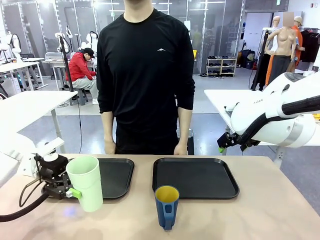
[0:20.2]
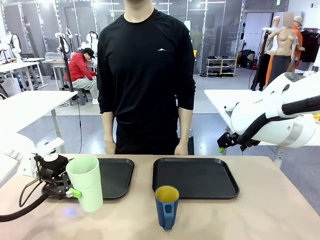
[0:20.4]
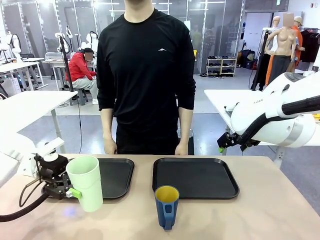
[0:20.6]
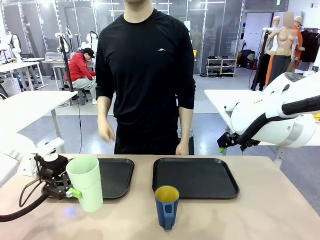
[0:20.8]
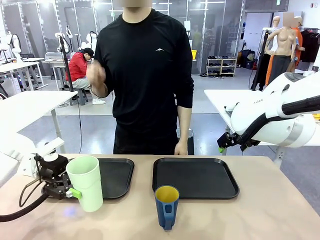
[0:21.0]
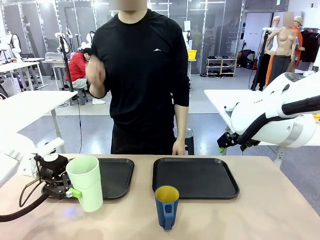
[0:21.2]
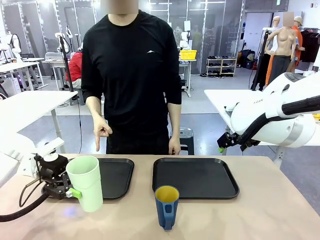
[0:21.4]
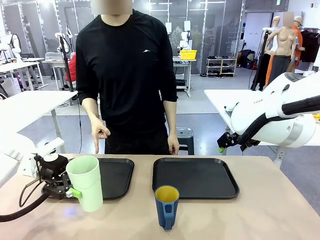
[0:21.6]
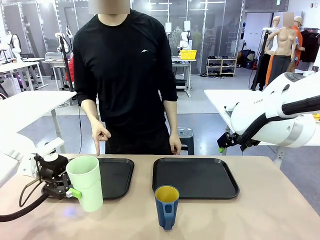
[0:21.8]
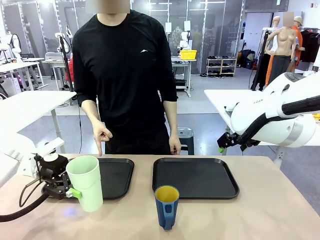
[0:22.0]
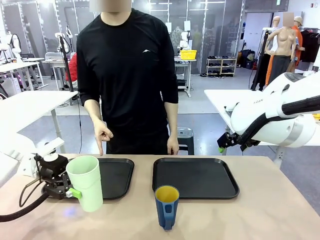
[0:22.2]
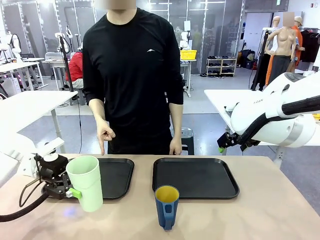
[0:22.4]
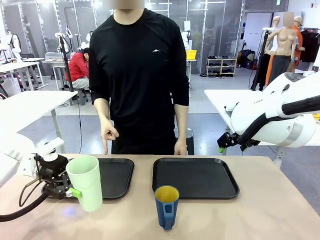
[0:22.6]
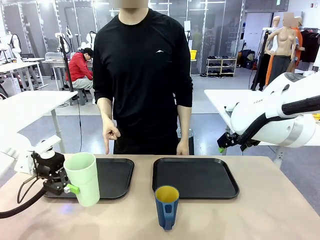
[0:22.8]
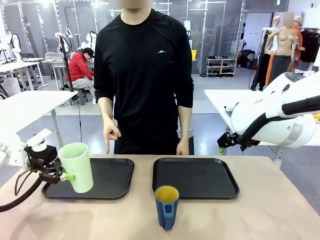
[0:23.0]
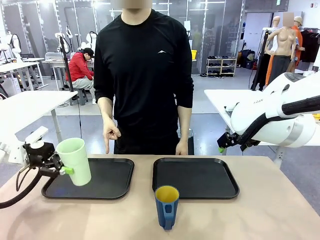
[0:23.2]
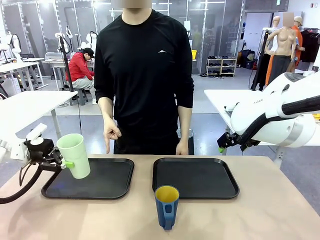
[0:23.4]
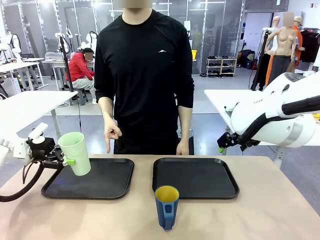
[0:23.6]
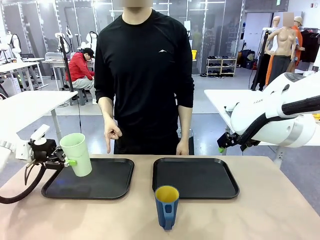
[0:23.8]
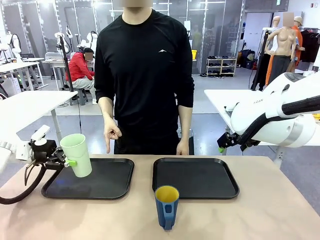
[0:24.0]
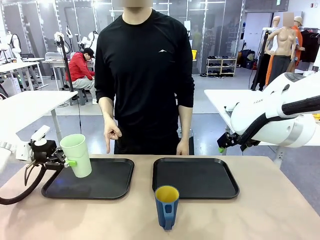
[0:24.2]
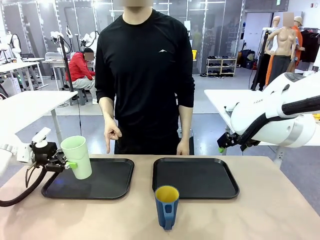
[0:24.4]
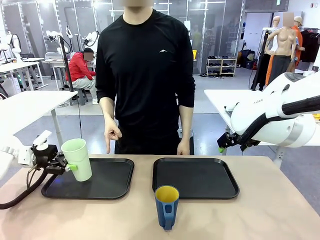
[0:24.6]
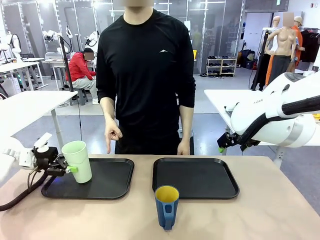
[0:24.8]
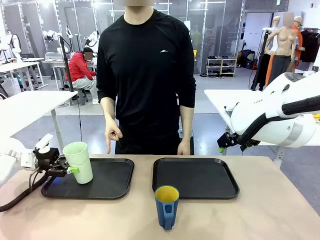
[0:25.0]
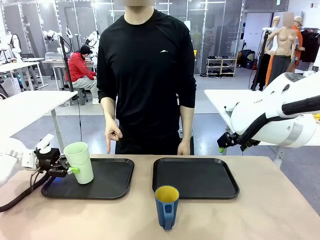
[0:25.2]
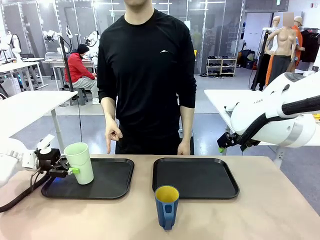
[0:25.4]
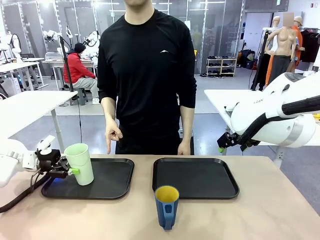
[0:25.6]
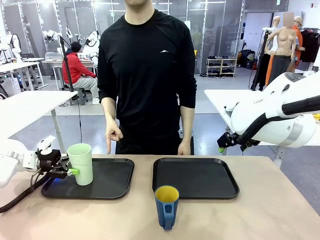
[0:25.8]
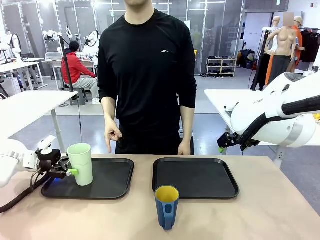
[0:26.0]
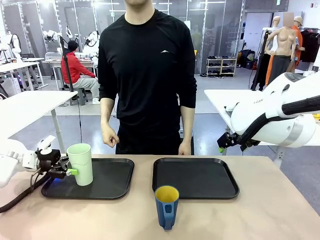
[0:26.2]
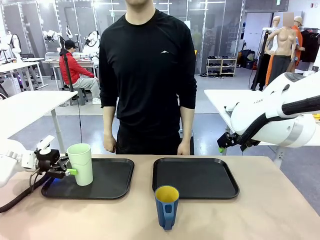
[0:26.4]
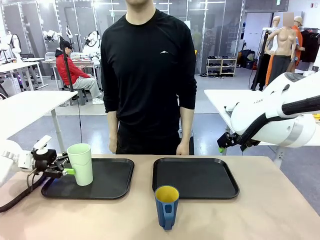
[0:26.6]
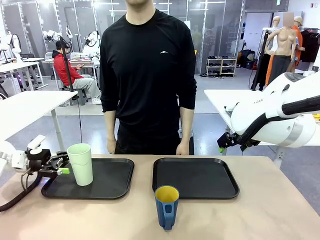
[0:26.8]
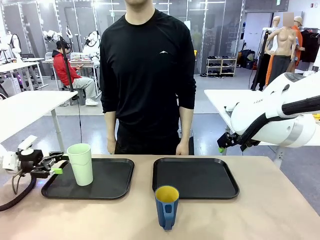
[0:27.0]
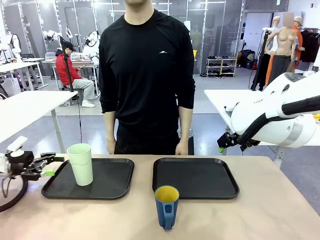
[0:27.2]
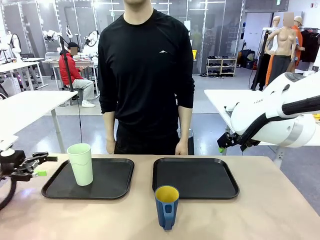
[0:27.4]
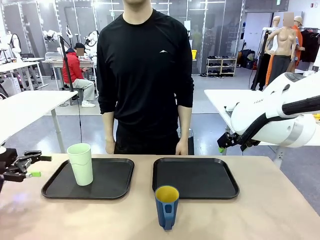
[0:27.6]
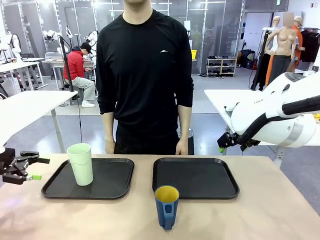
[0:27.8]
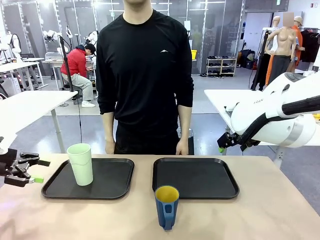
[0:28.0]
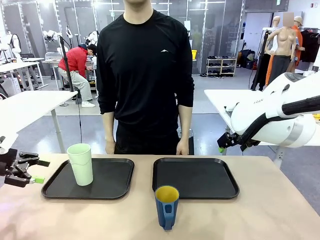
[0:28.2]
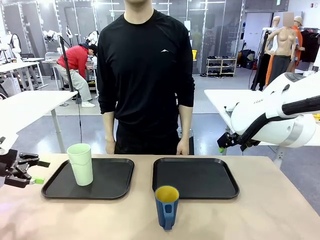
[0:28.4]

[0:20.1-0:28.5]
Task: Sort and store the cups by type.
Robot: Place the picked Reusable plastic cup into the Flat Tray indicated by the person.

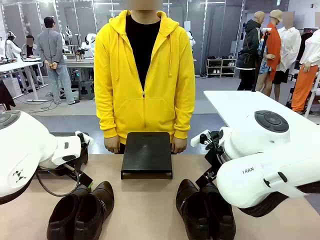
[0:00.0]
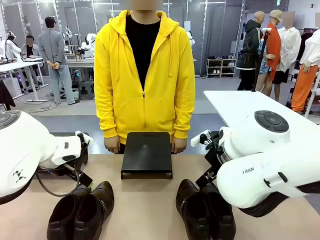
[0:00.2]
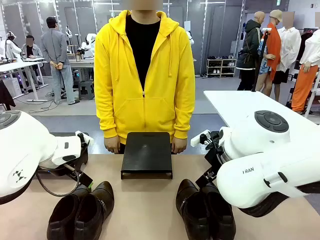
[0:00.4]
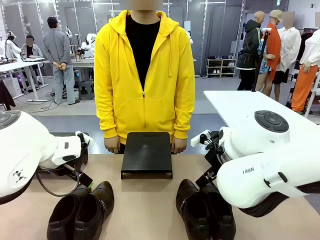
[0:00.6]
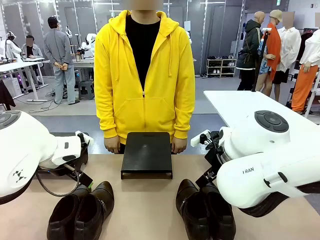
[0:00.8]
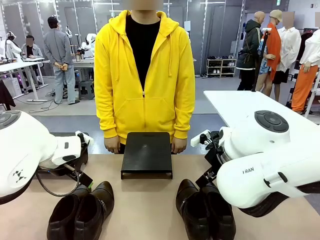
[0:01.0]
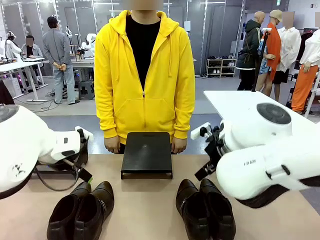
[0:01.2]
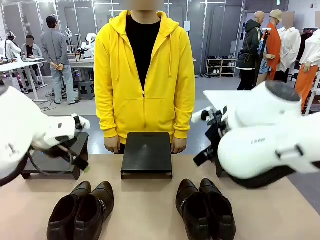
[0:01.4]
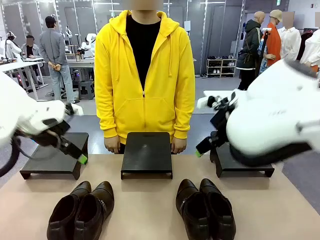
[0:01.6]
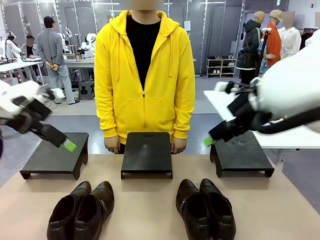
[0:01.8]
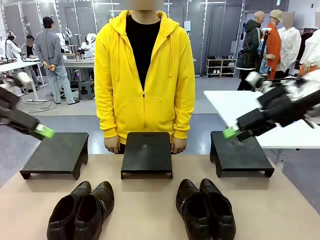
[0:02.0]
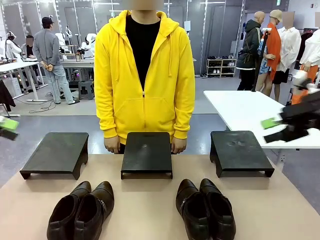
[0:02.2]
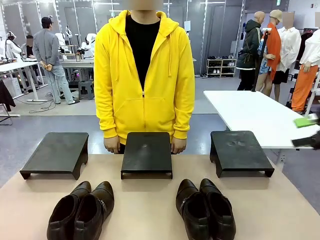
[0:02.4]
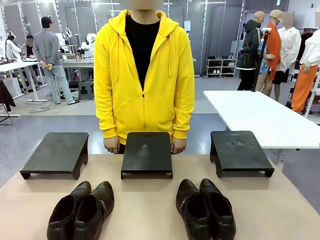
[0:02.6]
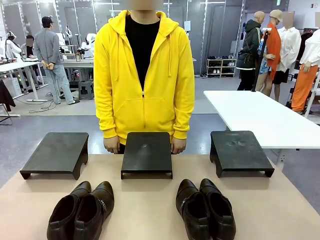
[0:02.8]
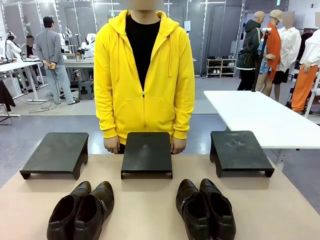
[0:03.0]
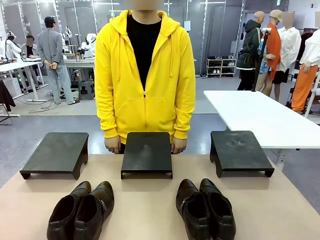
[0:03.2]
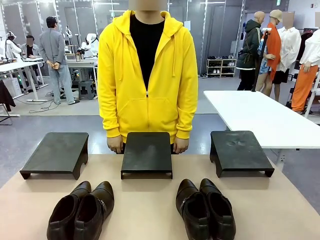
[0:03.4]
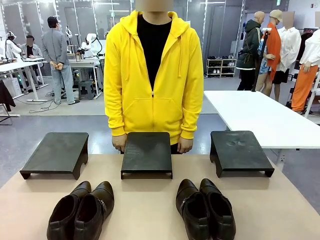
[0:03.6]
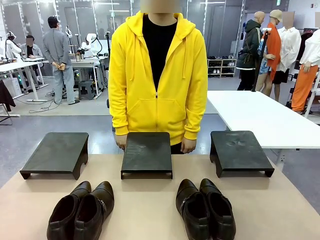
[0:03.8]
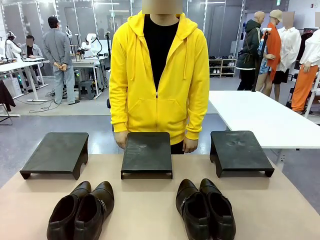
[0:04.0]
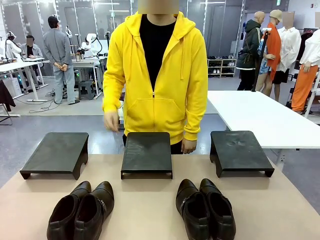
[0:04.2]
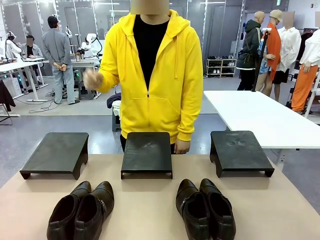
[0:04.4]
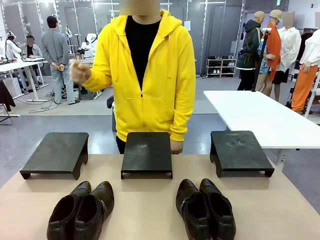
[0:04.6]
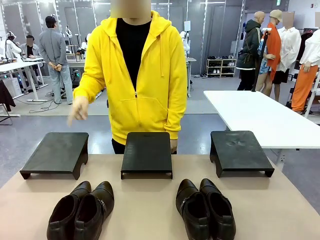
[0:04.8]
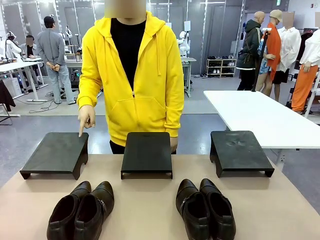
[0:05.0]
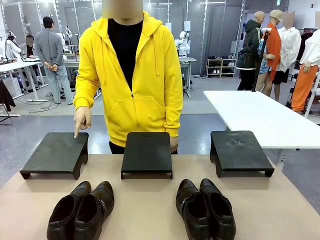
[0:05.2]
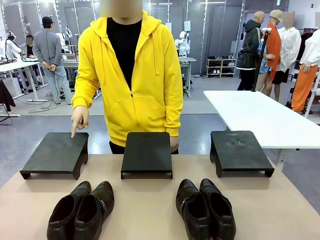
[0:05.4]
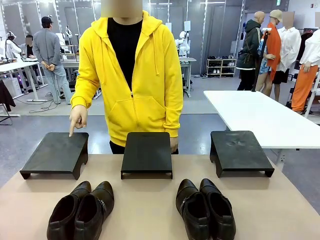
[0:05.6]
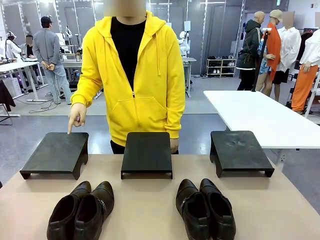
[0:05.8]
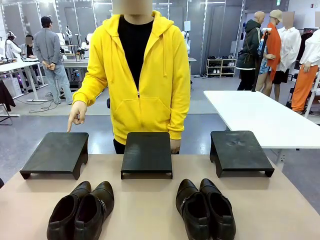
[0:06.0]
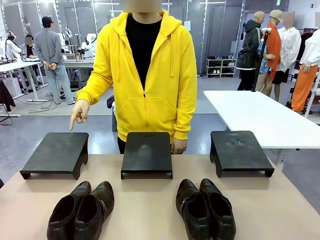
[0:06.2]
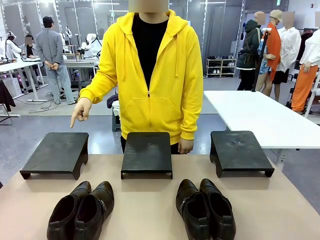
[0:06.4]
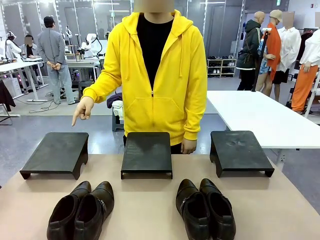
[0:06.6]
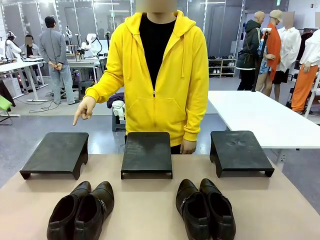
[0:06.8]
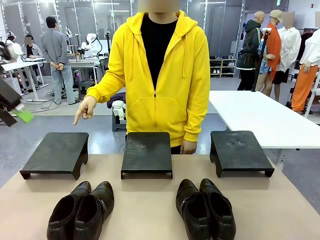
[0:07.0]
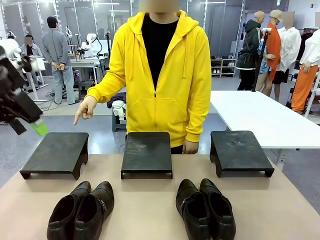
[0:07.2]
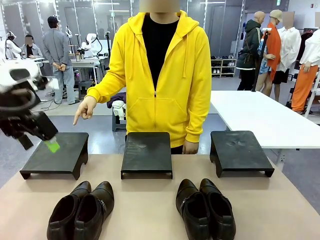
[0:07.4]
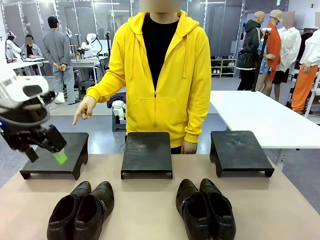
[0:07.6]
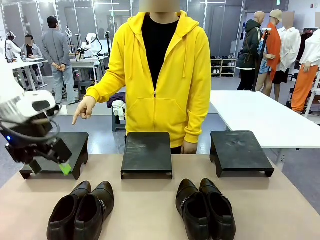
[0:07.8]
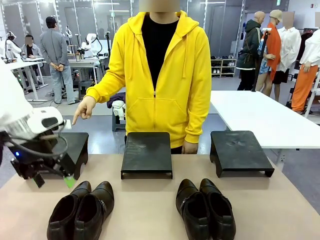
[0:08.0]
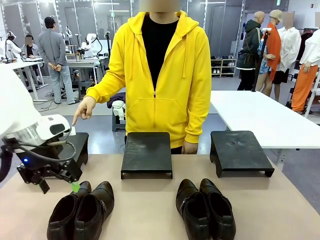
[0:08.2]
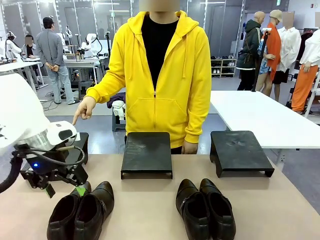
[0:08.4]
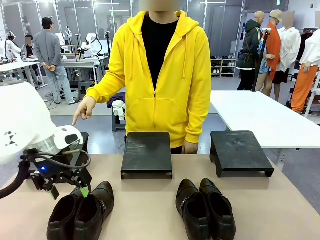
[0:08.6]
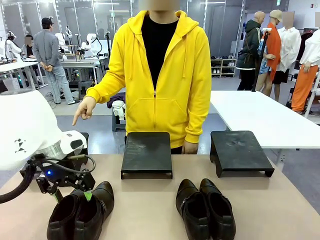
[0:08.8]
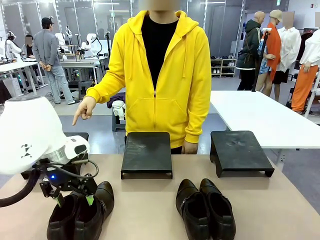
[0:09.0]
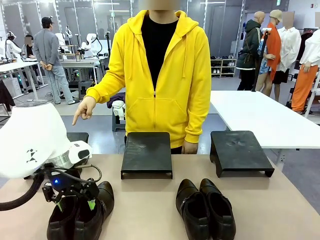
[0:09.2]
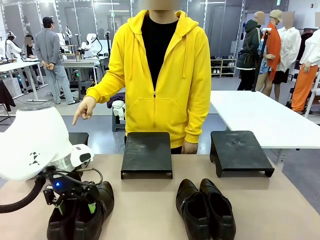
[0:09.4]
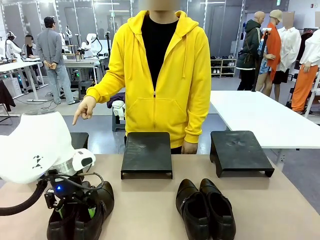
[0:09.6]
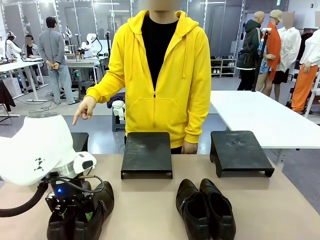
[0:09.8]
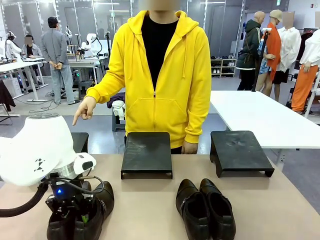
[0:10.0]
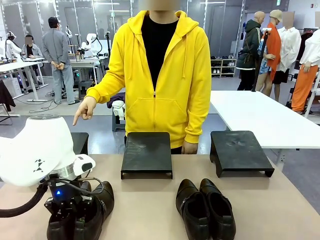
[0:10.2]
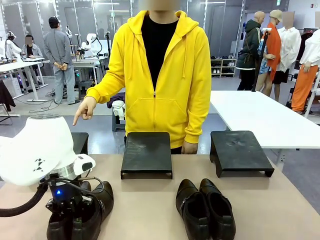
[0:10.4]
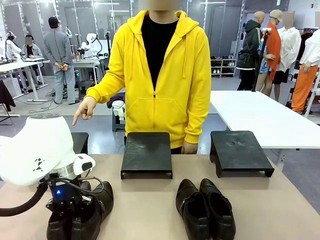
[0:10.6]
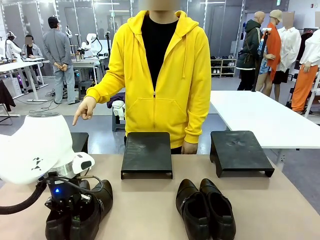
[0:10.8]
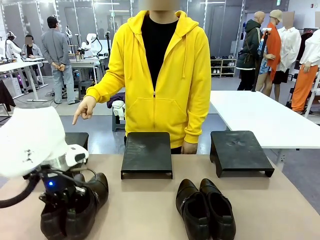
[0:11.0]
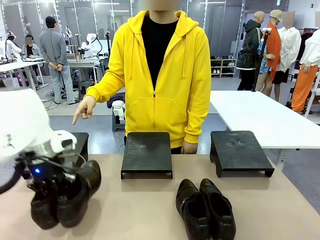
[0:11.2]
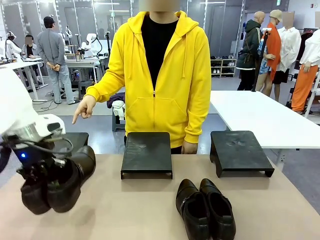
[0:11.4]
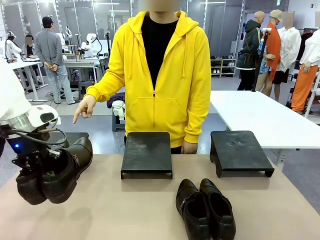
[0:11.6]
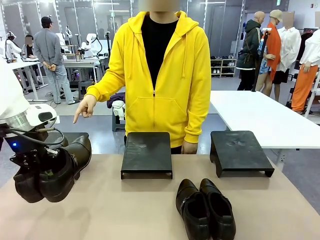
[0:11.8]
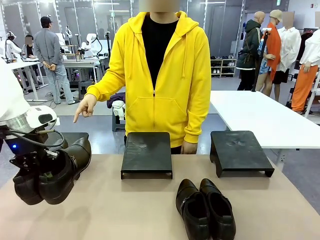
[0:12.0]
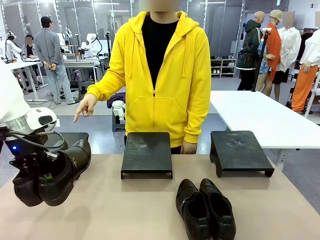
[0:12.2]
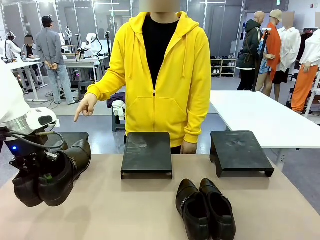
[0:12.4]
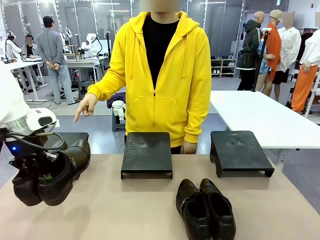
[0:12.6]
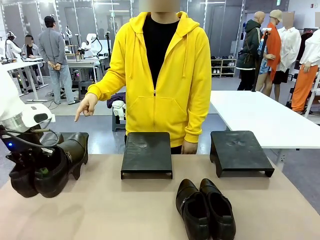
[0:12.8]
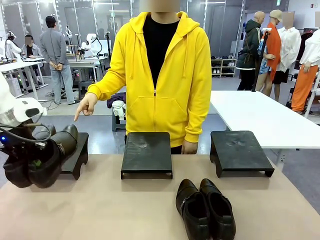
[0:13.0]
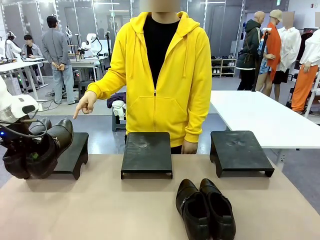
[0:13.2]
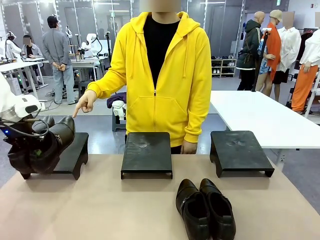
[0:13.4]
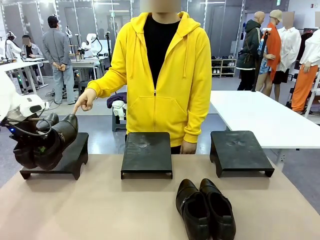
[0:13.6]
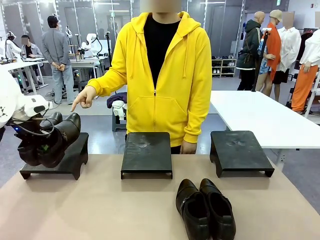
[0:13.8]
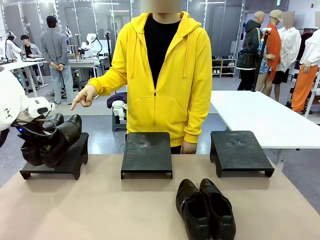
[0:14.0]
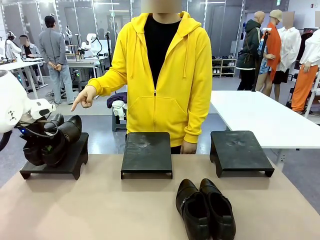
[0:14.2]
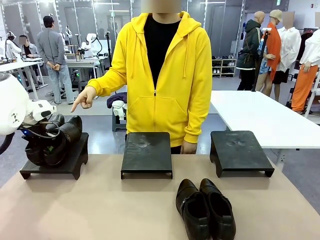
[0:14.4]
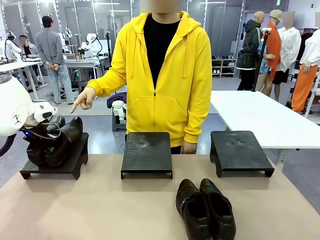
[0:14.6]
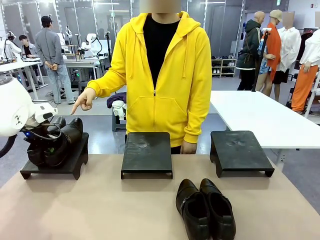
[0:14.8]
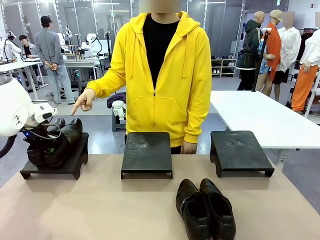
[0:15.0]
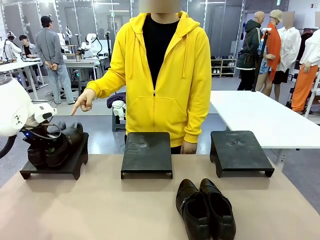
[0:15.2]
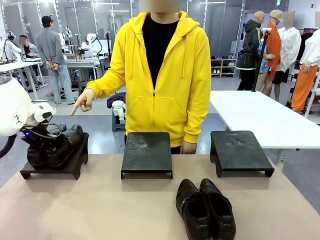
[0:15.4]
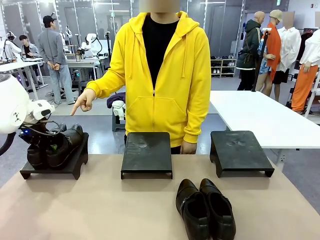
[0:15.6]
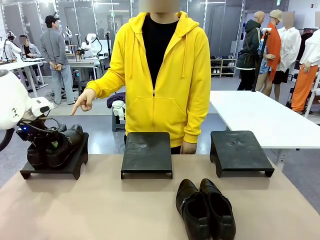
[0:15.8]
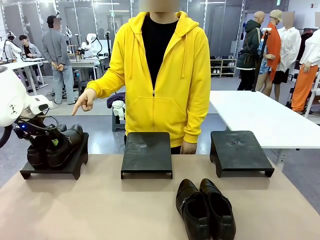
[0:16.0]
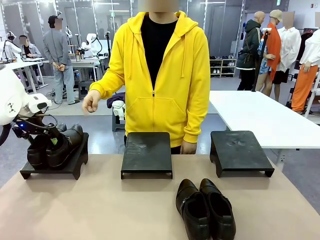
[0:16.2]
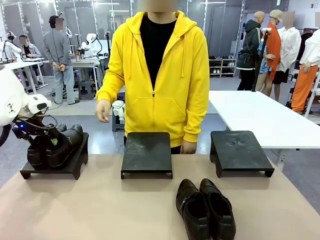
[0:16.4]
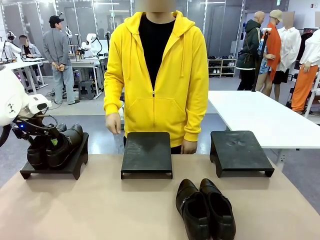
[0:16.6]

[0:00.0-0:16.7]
Task: Place the shoes on the stand as instructed by the person.
Robot: Pick up one pair of Shoes and place it on the Shoes Stand indicated by the person.
